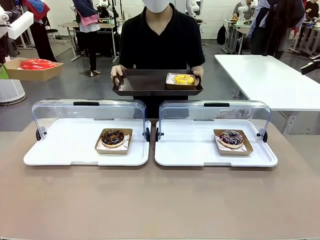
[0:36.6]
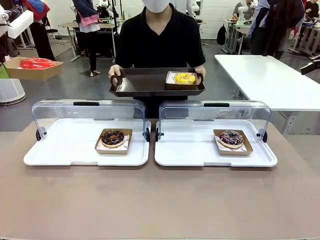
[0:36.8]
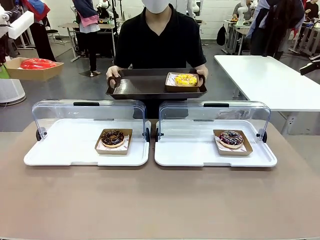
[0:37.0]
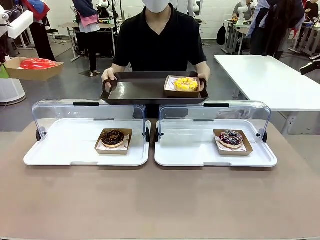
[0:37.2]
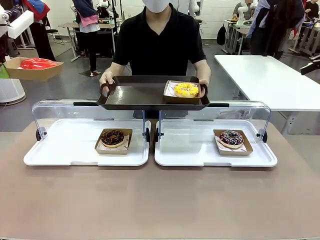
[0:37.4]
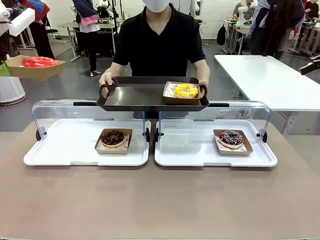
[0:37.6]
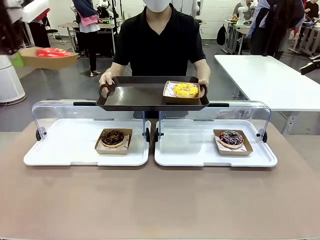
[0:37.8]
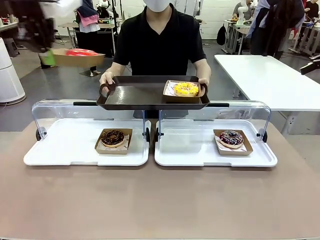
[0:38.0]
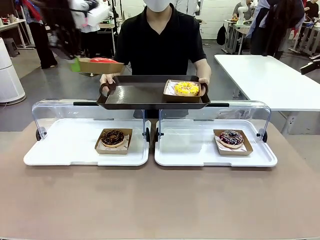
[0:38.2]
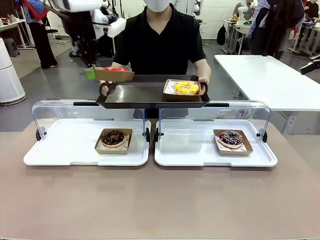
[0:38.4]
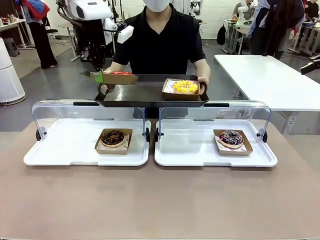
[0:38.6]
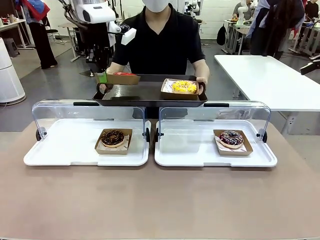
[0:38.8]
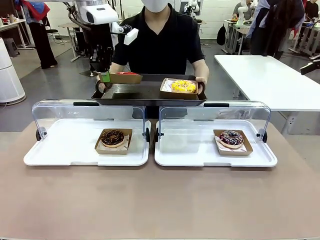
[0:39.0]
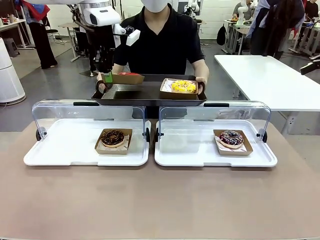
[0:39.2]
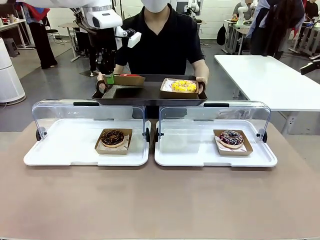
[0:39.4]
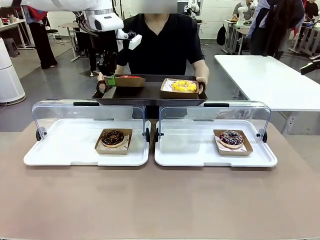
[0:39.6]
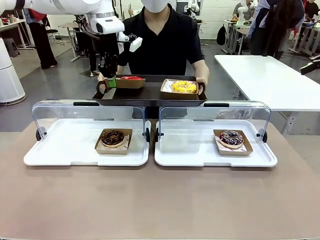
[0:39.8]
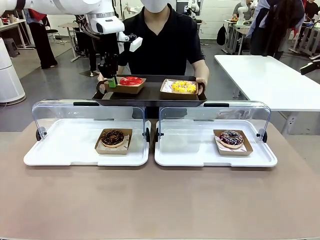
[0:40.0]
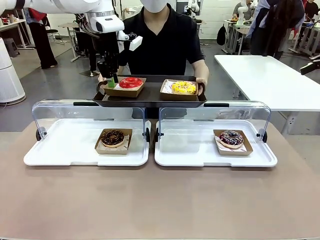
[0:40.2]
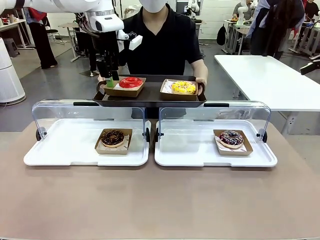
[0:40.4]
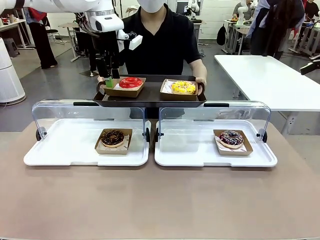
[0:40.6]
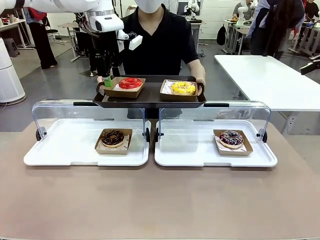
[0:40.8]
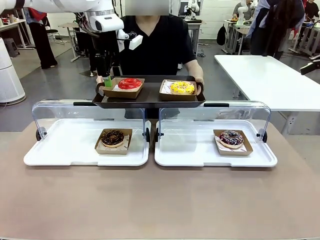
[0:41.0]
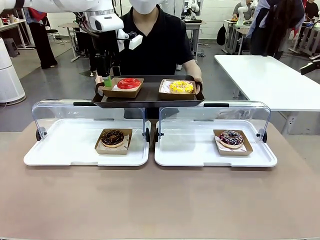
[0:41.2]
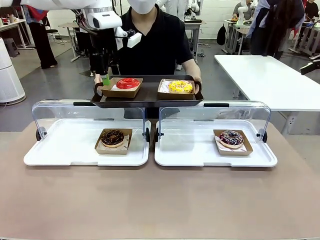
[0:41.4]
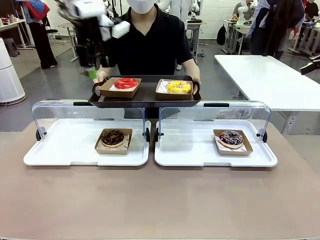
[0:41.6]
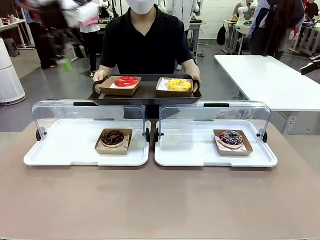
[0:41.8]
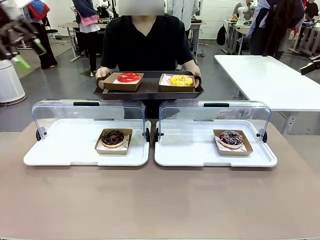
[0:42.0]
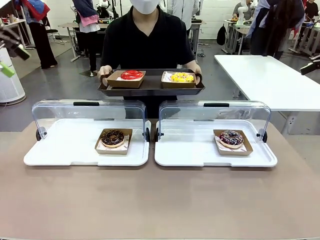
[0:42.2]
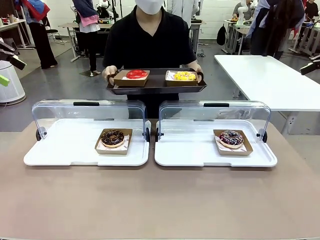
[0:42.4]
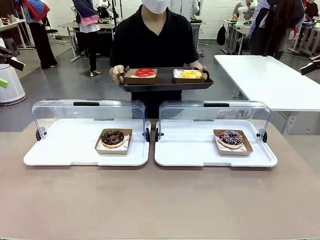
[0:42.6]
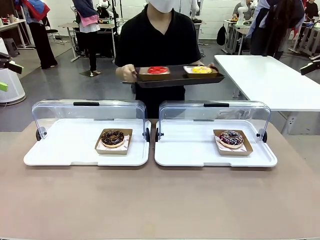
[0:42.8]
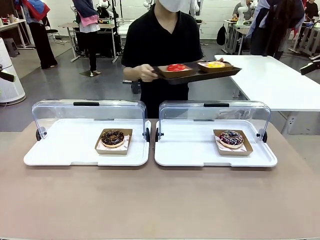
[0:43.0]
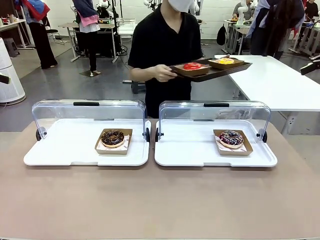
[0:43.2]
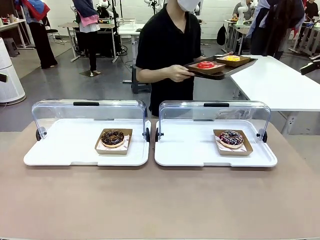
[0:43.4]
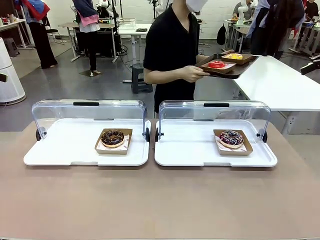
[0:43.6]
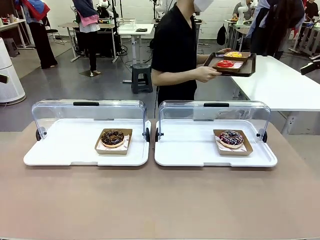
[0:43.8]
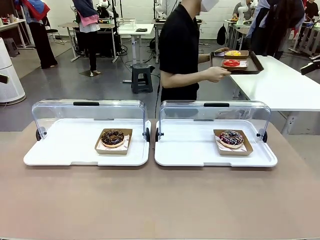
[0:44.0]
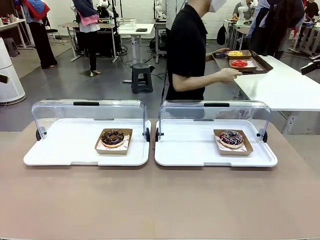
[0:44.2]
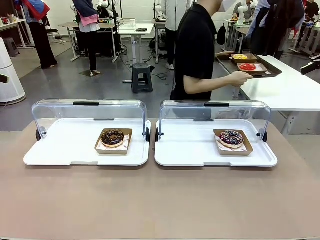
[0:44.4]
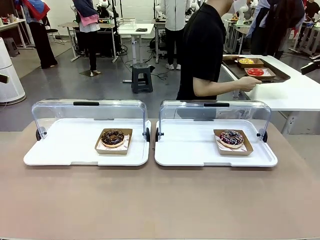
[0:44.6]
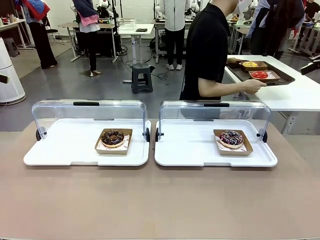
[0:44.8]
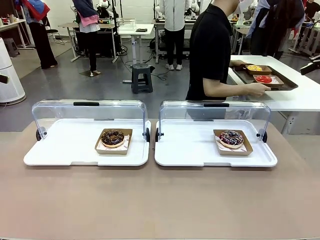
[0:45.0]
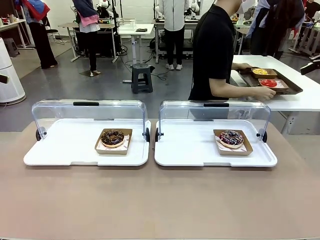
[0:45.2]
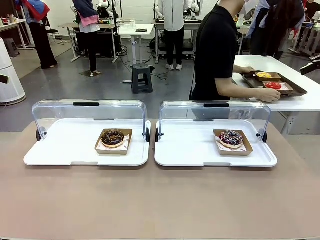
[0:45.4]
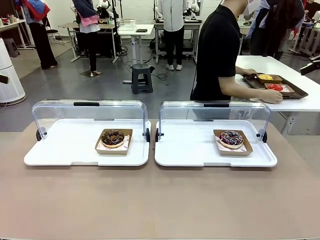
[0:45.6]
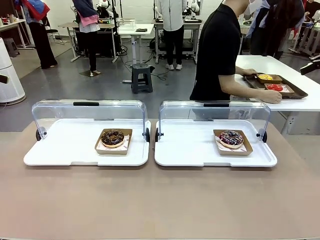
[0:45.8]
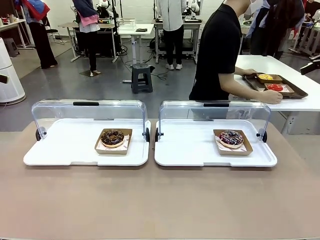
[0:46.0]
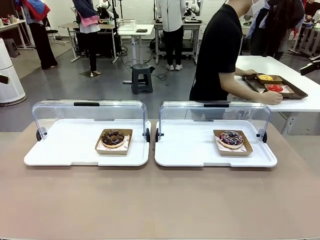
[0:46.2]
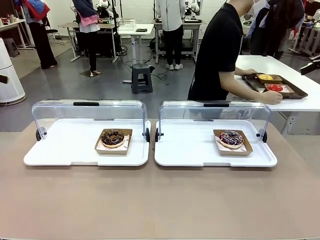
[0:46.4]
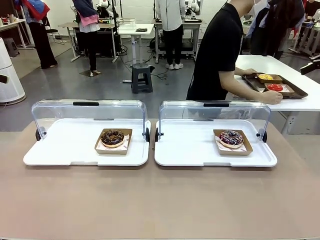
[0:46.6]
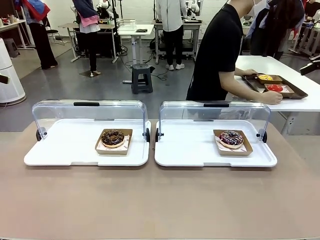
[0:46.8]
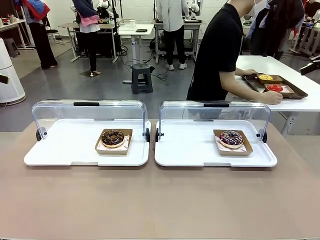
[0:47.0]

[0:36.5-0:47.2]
Task: Provide the desired donut to the person.
Robot: Place the picked Paper togo box onto the Handle tray extended by the person.
Person: Place the tray in the middle of the human table.

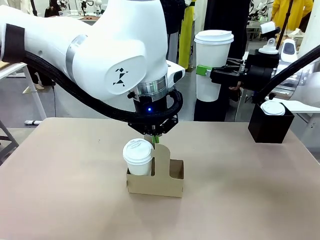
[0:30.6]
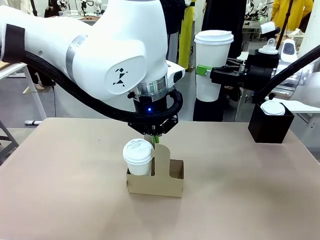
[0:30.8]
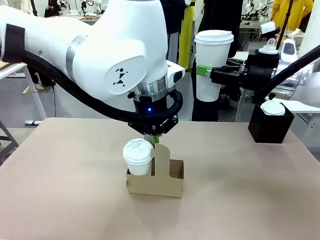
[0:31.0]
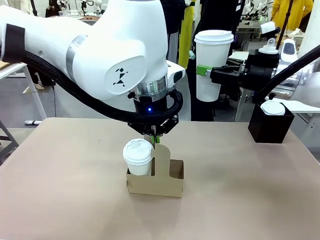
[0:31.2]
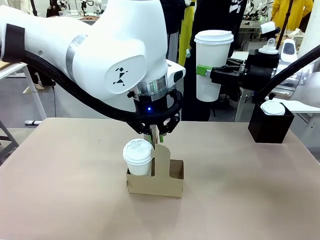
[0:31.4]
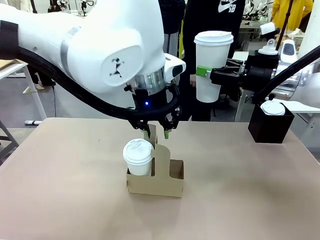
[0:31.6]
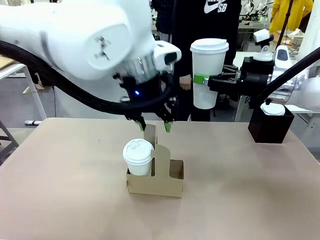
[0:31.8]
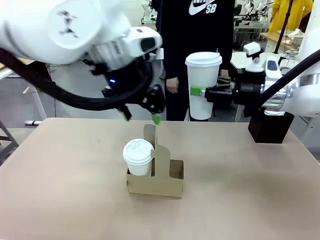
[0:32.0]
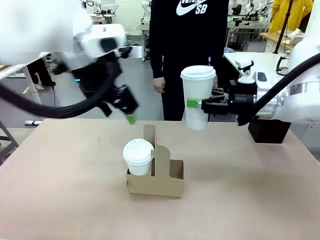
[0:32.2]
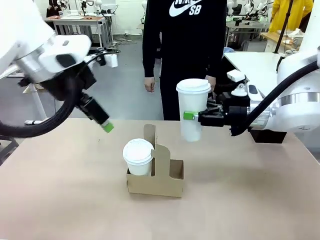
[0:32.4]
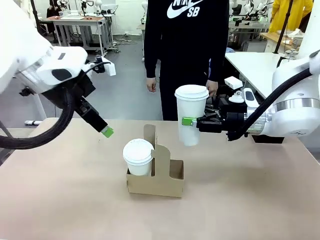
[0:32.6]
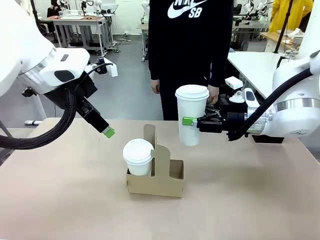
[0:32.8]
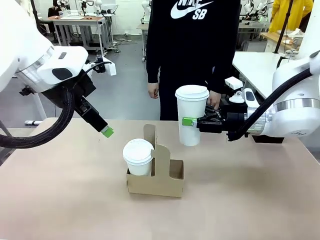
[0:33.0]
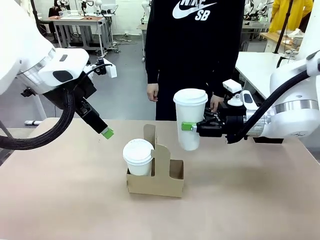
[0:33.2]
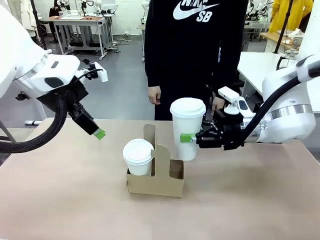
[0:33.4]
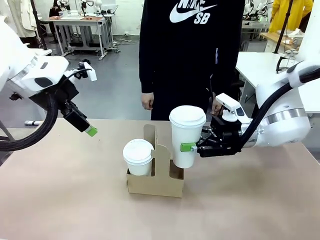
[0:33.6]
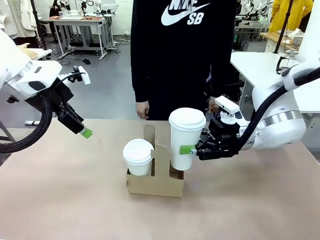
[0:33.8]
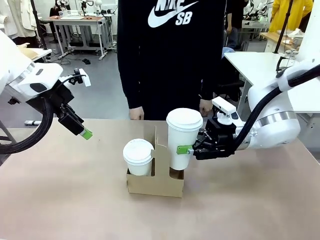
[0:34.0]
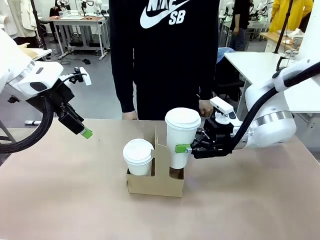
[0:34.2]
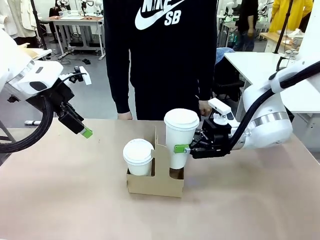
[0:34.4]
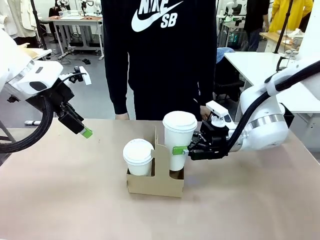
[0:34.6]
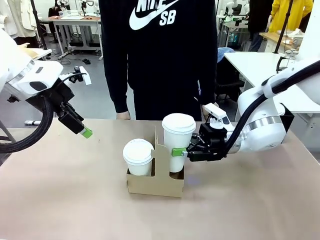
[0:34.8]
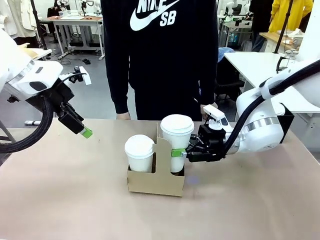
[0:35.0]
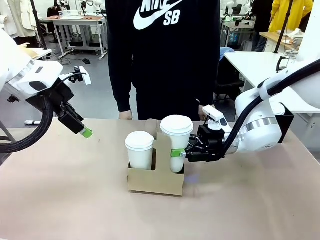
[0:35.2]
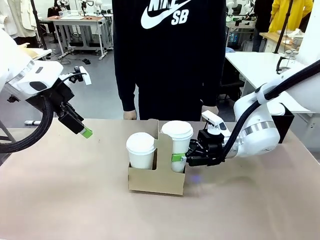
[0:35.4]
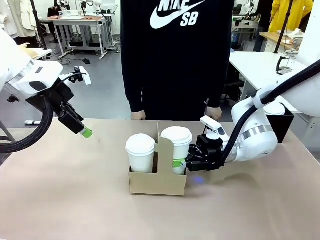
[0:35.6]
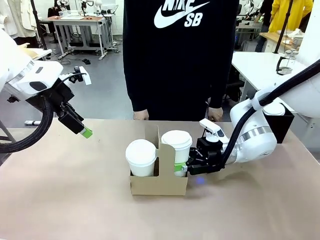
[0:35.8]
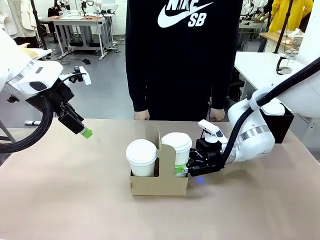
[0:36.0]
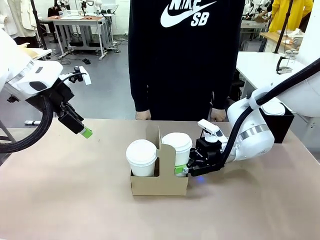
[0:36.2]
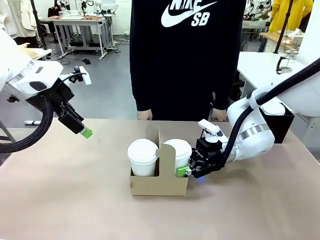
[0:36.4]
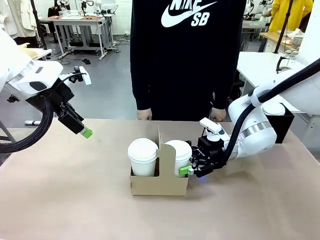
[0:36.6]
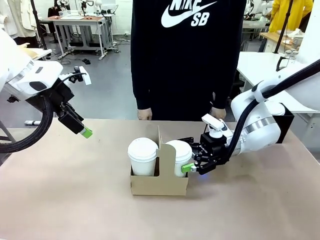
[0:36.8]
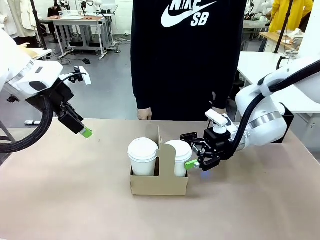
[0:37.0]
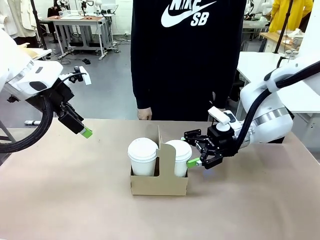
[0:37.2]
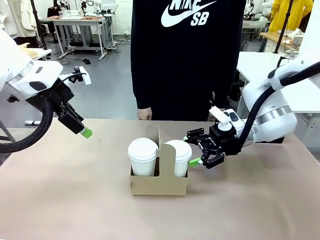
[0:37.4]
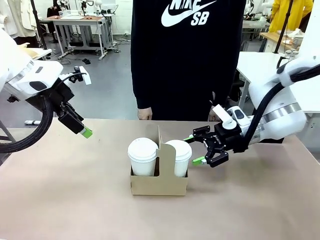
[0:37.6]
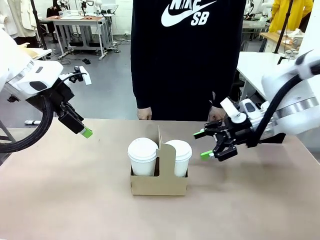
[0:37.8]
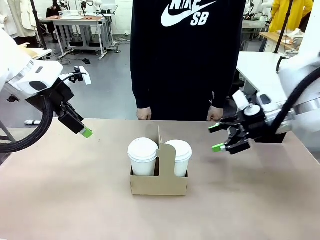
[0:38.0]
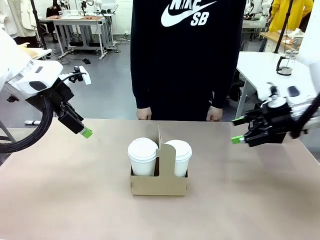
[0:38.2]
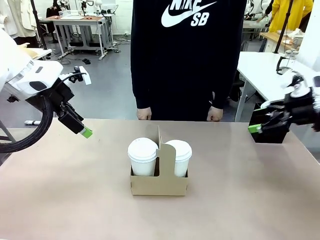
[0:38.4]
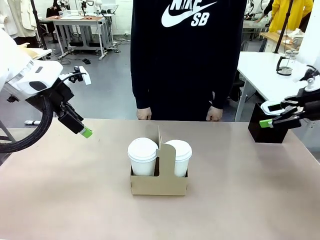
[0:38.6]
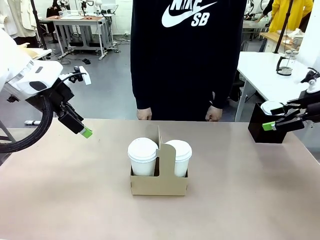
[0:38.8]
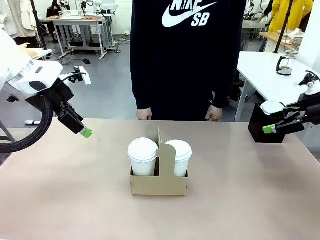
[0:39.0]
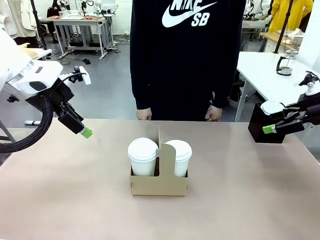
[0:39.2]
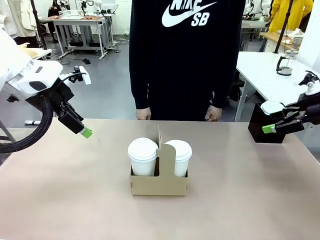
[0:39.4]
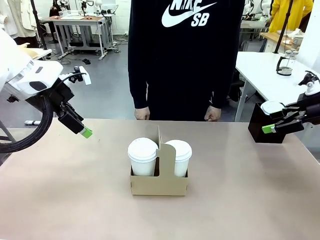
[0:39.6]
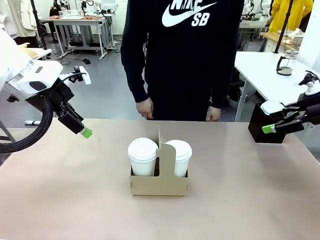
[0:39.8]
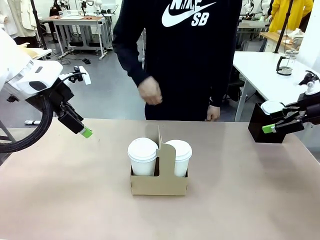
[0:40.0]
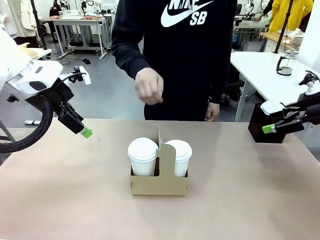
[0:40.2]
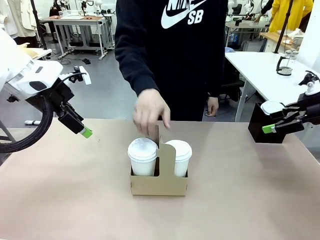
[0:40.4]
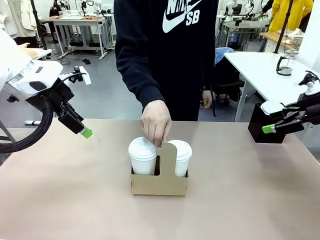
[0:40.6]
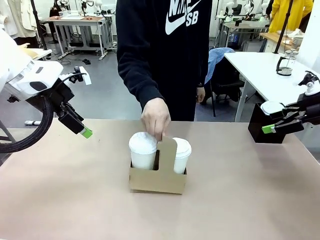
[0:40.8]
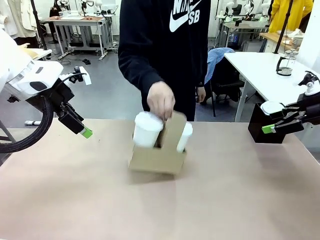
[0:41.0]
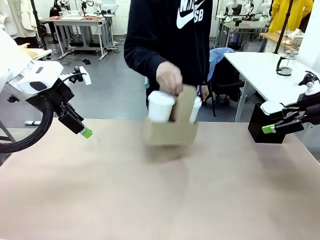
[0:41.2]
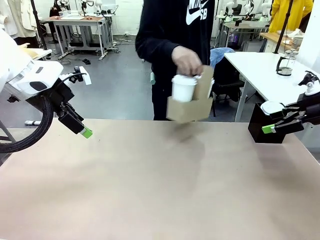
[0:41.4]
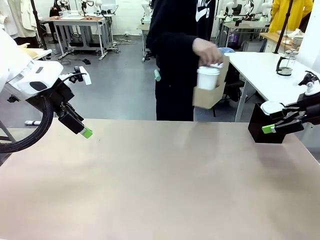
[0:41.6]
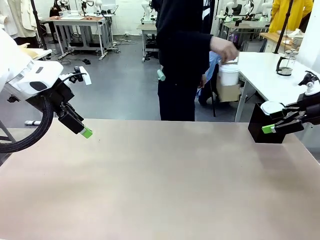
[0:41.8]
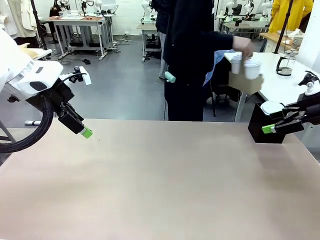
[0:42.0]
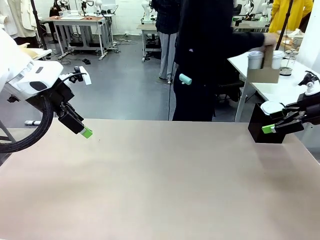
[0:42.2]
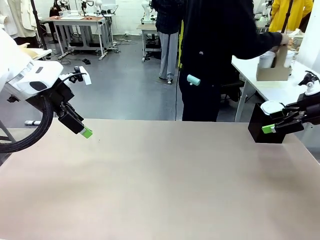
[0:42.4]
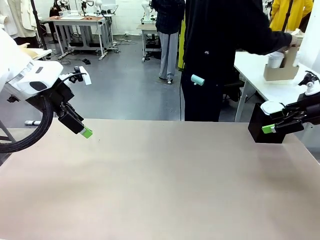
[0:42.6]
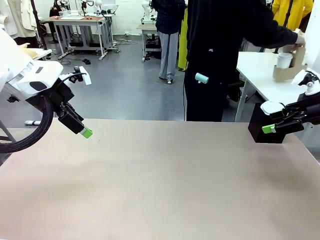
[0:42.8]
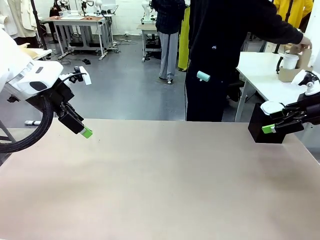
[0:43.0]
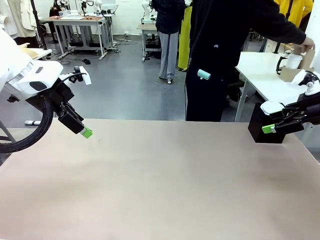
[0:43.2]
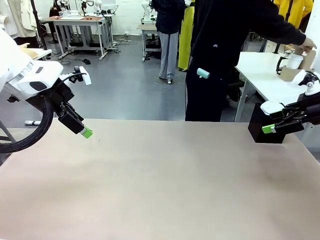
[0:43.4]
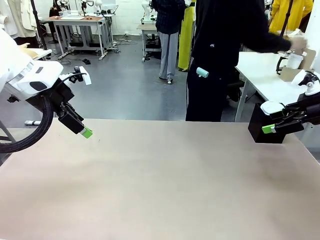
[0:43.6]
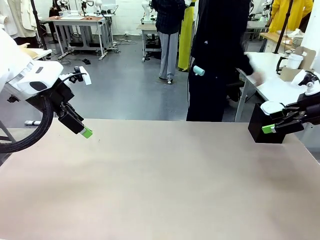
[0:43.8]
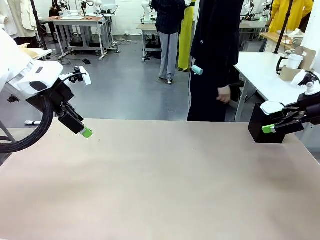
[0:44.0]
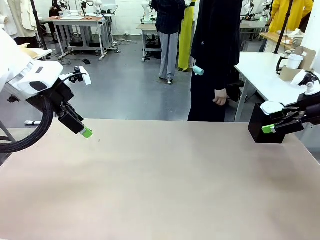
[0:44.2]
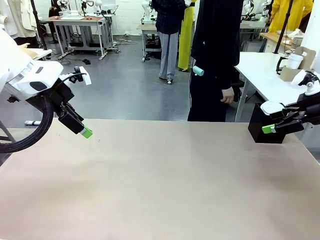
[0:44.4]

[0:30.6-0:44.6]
Task: Pour a drink into a cup and package it in a carrier.
Robot: Insert the held 600 ml Paper Cup into the Cup Carrier.
Person: Place the Cup Carrier to the middle of Human table.
